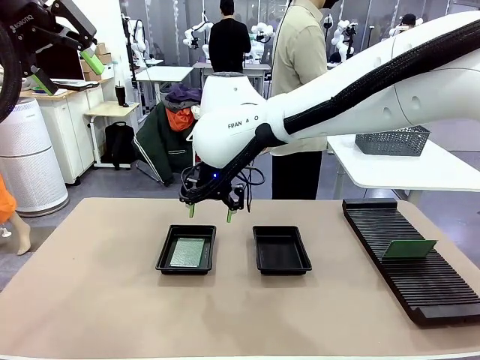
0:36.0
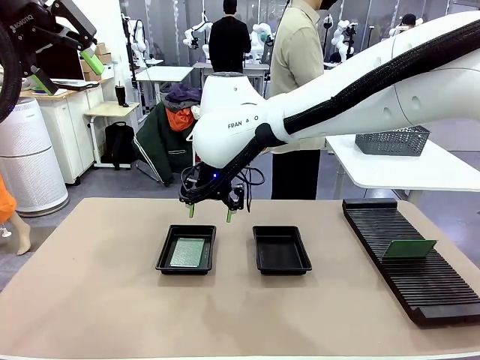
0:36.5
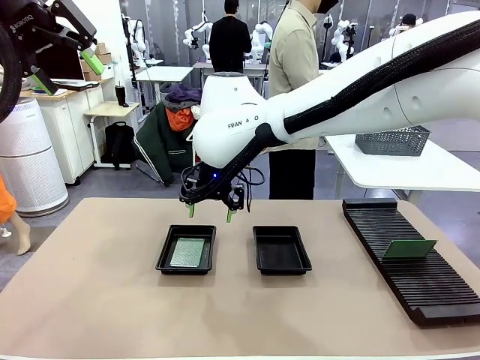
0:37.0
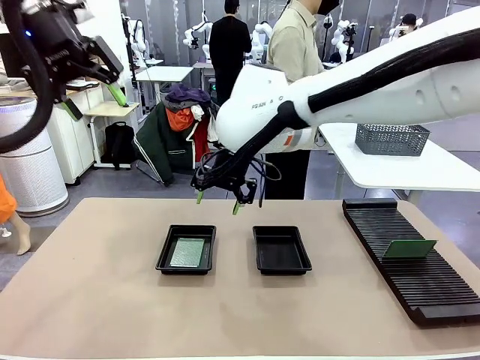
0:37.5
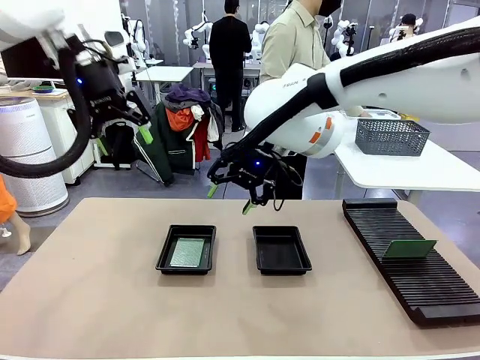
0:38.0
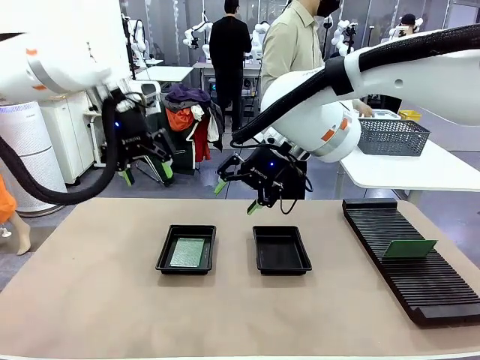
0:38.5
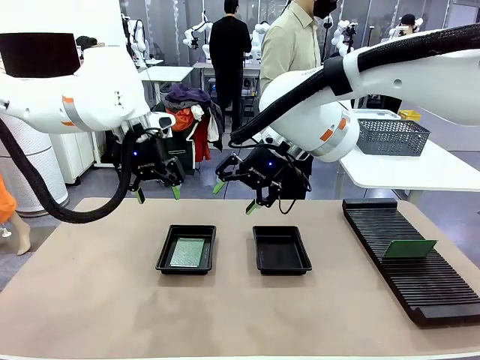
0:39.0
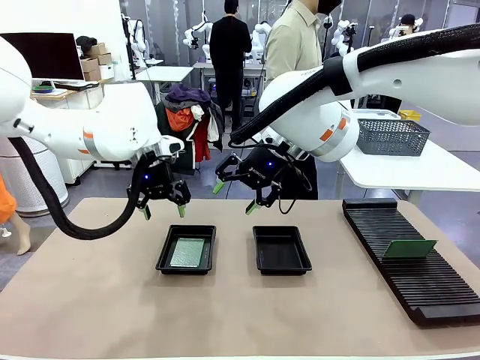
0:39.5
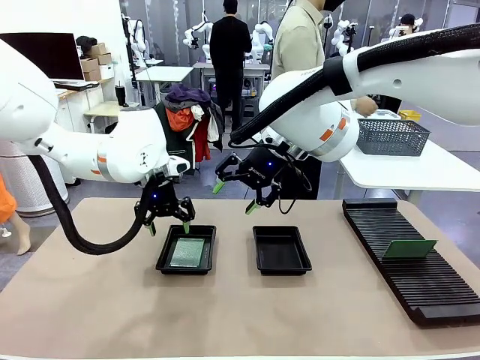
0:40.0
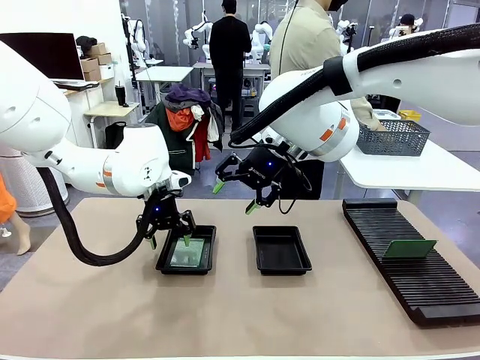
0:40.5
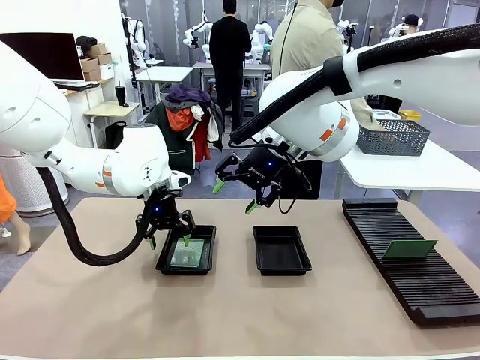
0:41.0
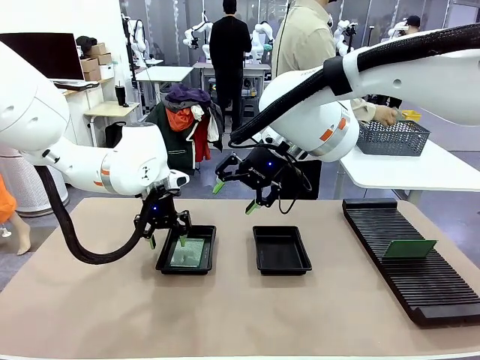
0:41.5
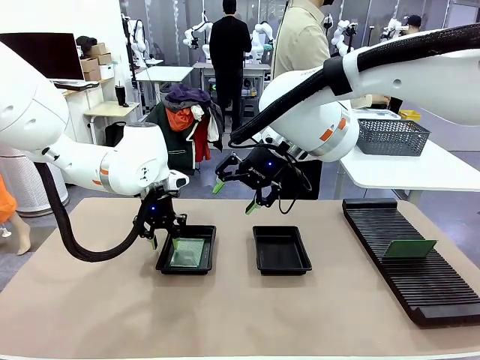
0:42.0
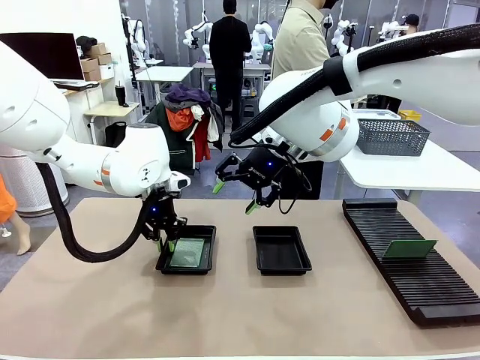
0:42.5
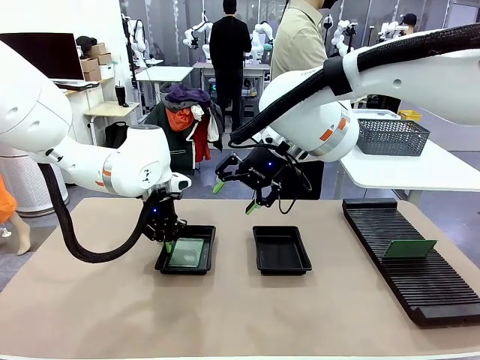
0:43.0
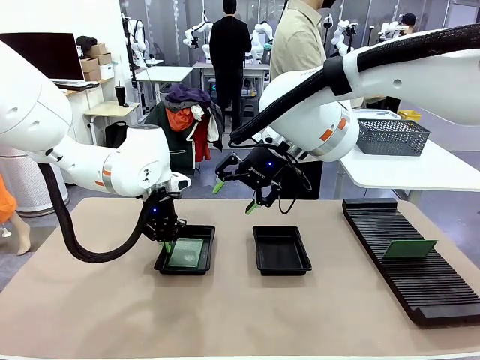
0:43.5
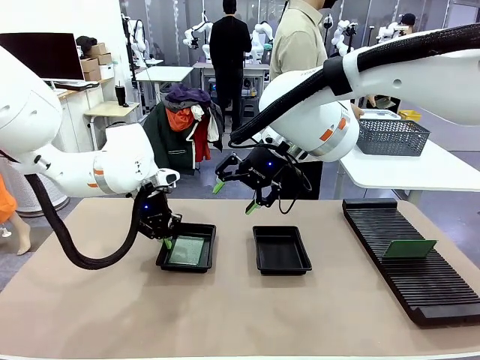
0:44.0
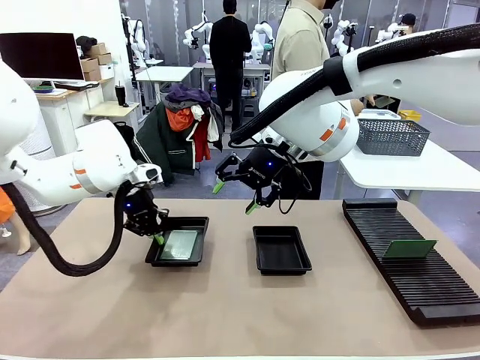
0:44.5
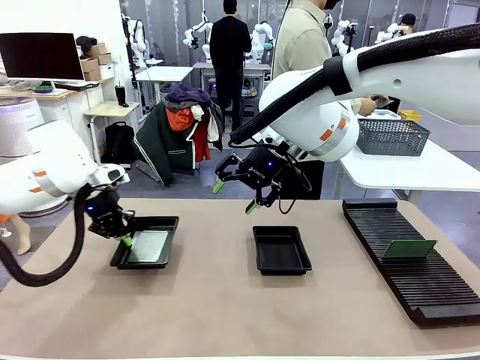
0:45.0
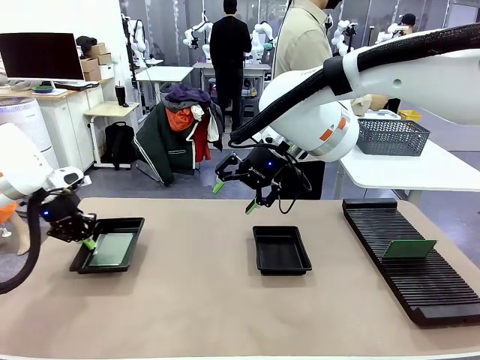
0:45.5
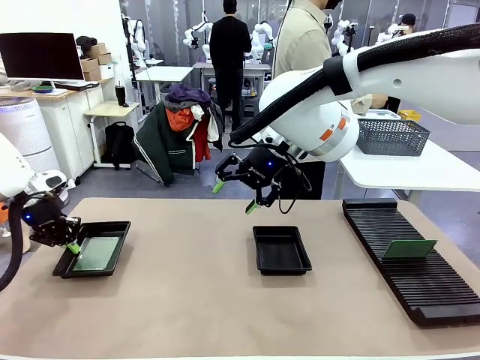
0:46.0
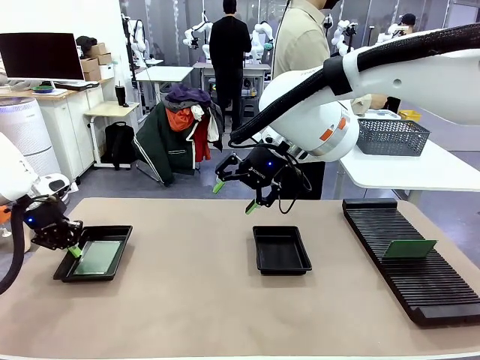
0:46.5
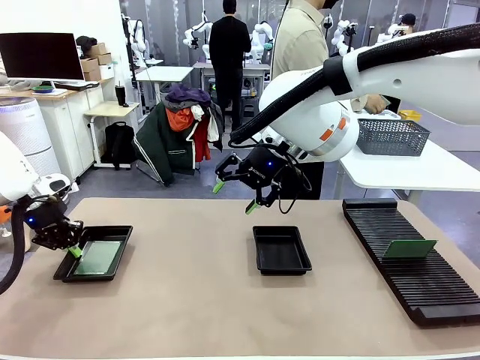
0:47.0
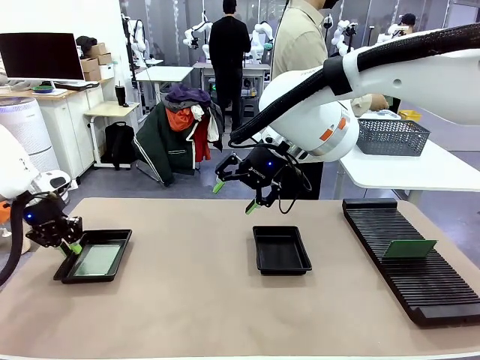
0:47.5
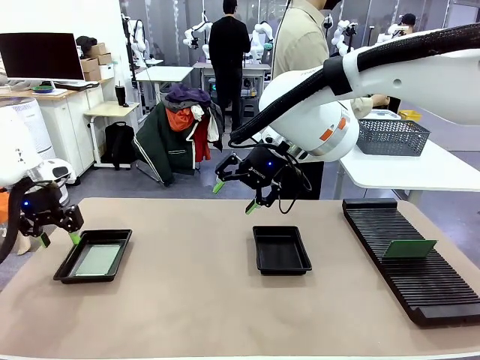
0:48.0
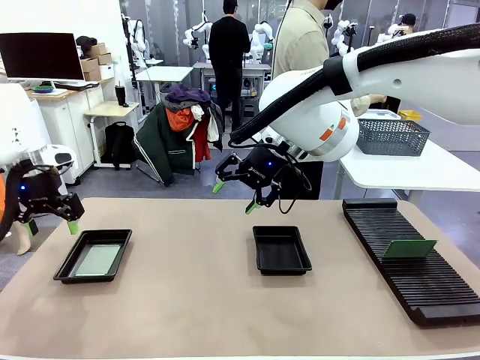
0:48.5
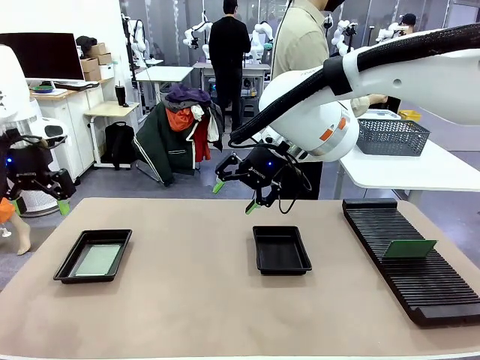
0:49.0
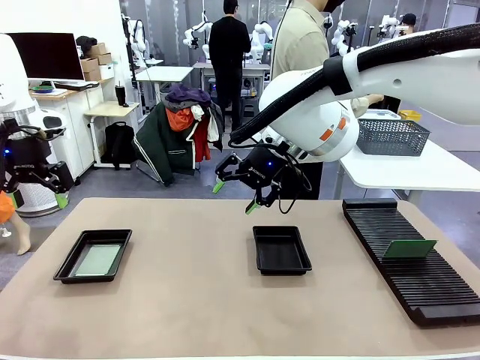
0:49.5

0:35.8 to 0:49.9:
Task: Inspect and transfer BCBs to ESD trays.
Robot: Pick up the ESD tray and place it on the left side of the table.

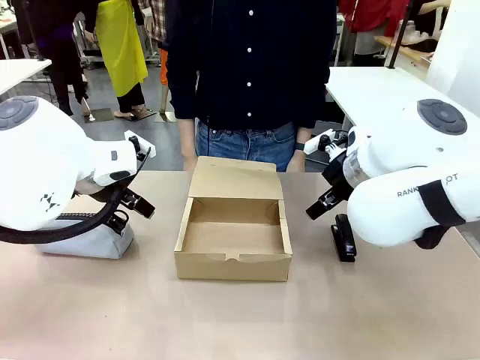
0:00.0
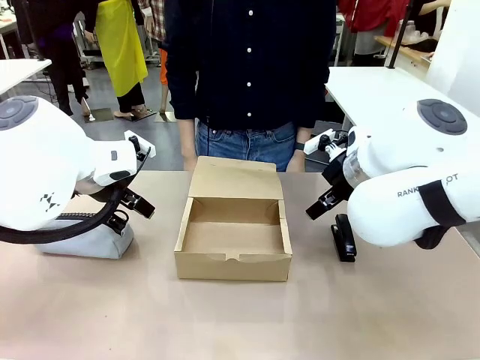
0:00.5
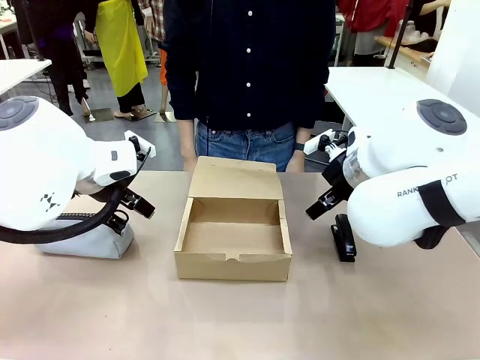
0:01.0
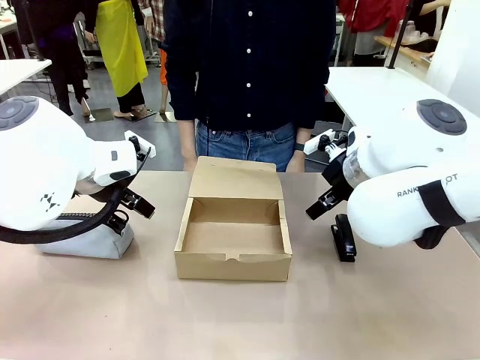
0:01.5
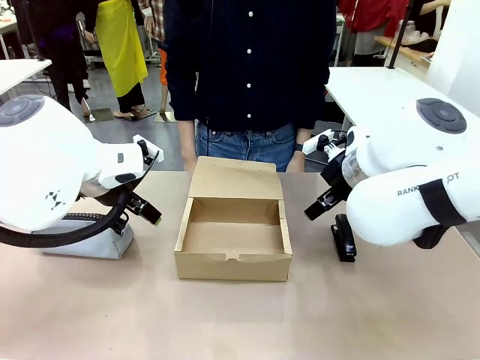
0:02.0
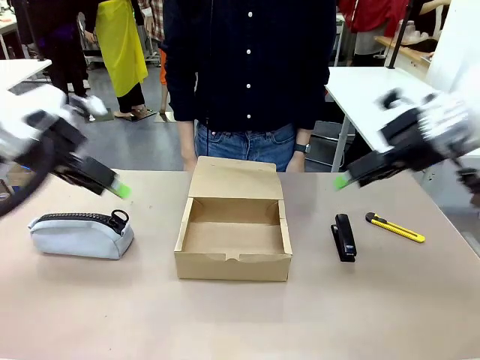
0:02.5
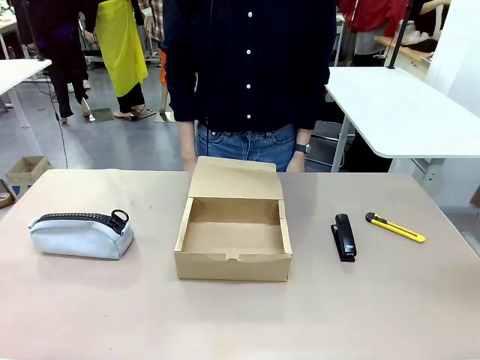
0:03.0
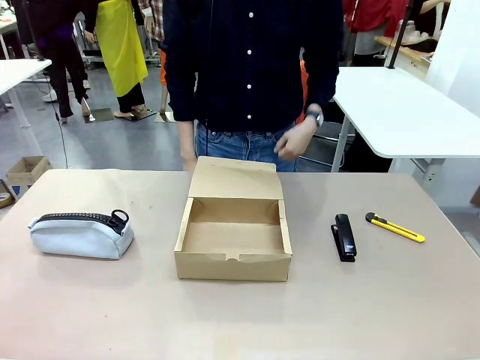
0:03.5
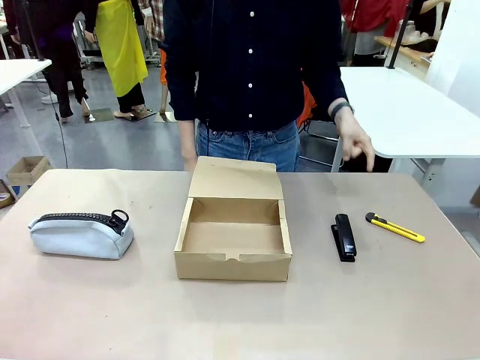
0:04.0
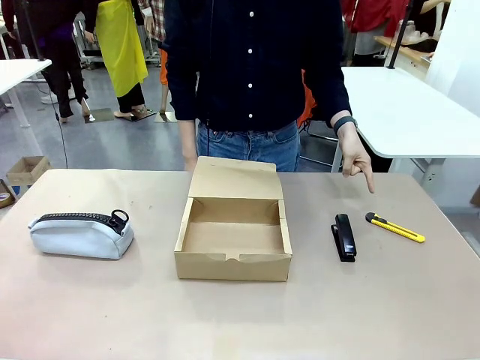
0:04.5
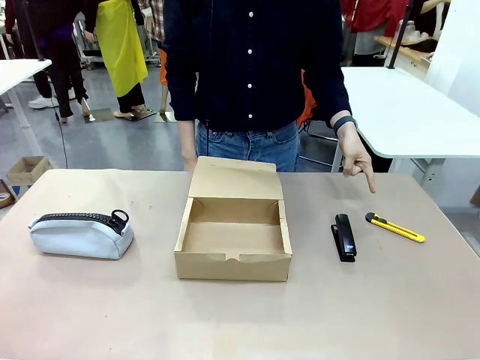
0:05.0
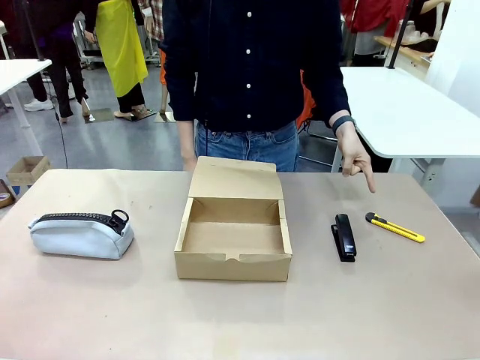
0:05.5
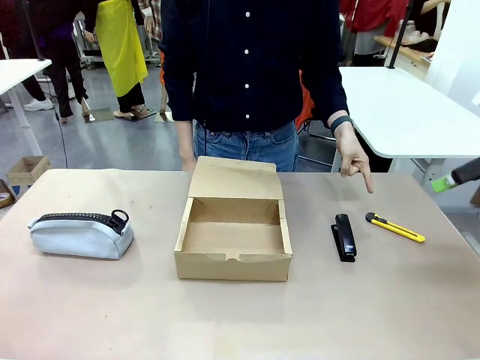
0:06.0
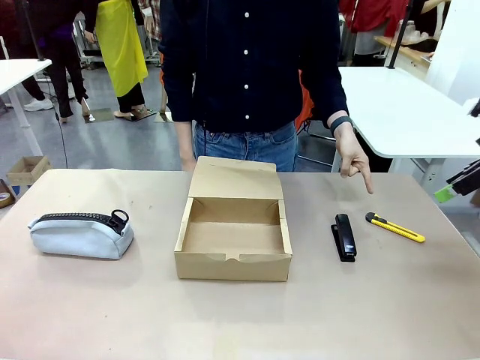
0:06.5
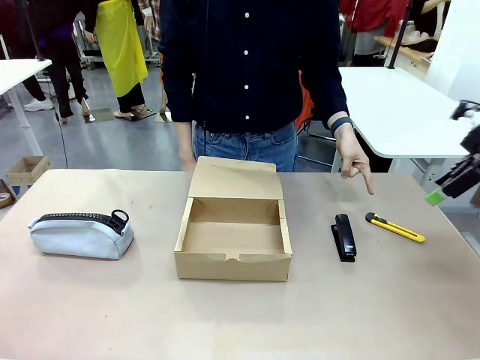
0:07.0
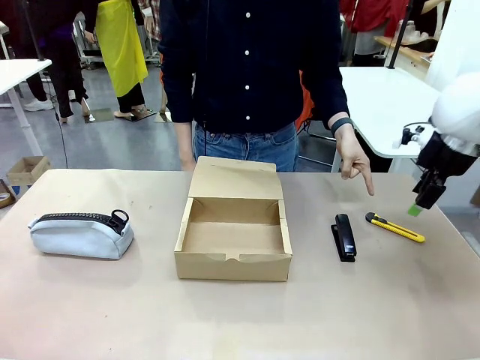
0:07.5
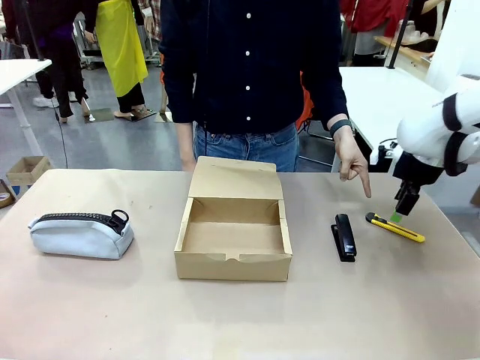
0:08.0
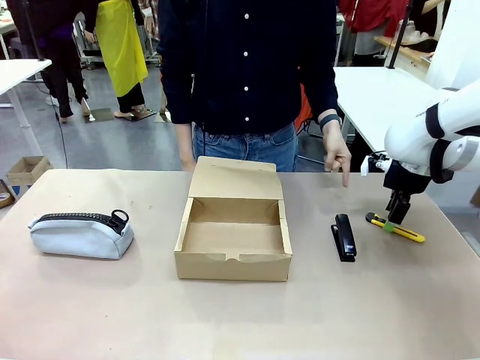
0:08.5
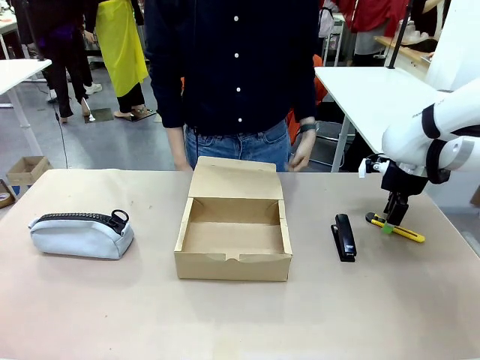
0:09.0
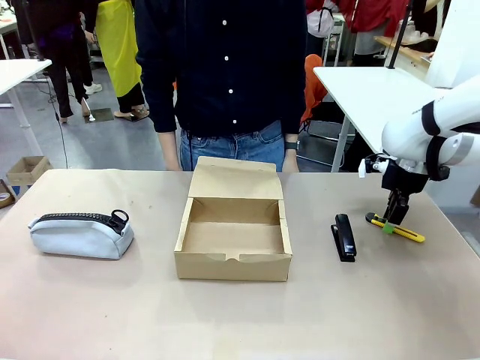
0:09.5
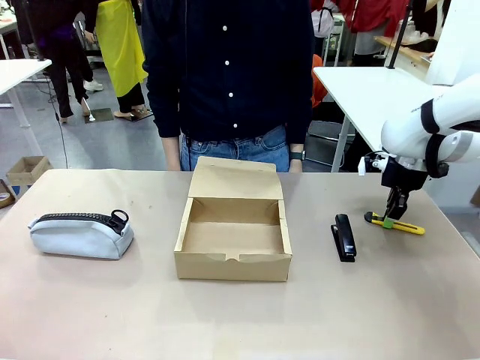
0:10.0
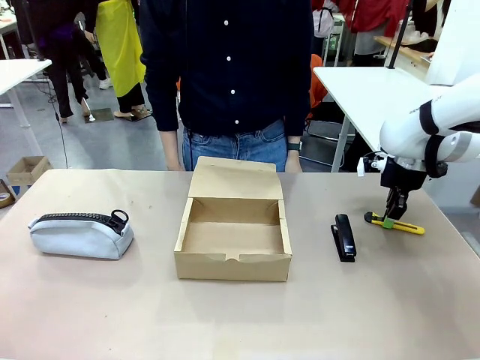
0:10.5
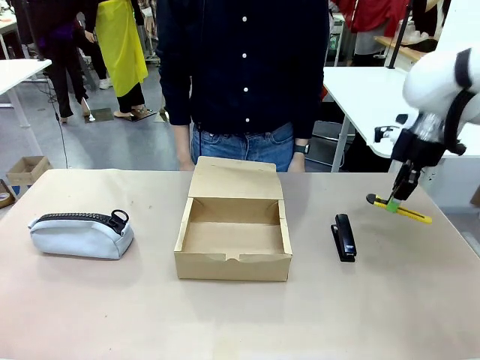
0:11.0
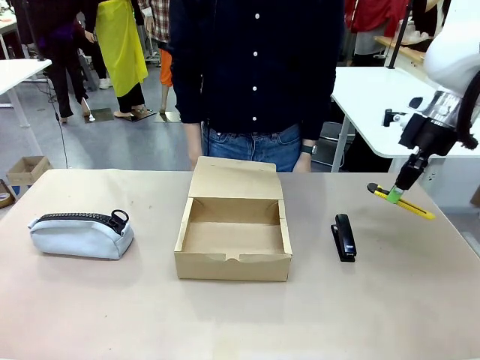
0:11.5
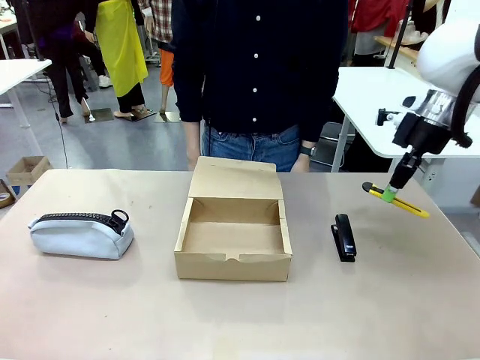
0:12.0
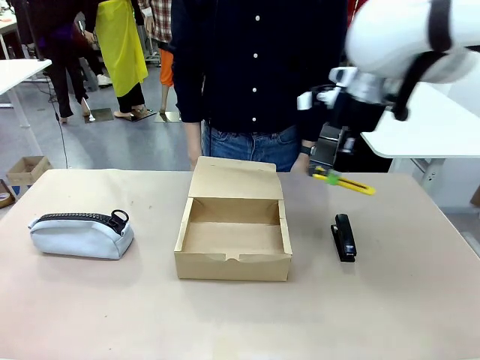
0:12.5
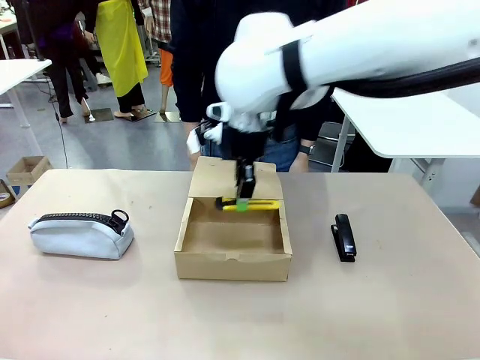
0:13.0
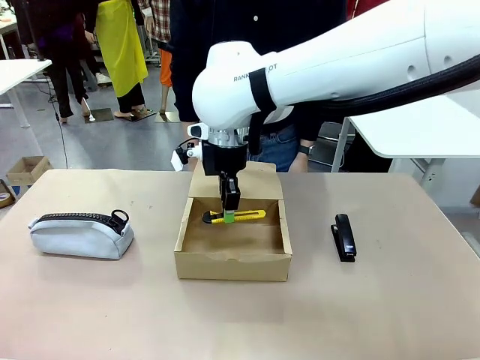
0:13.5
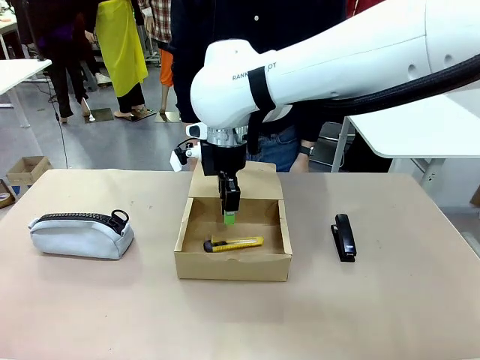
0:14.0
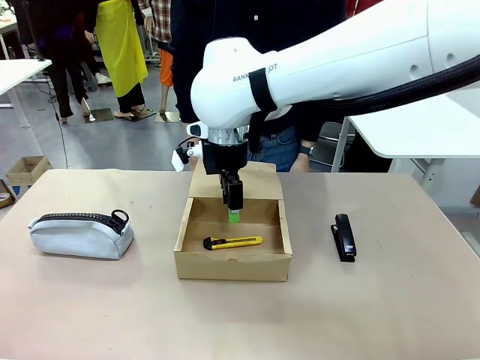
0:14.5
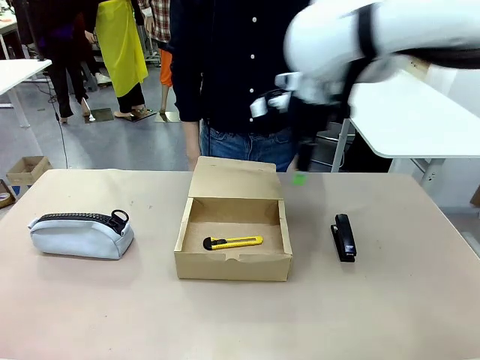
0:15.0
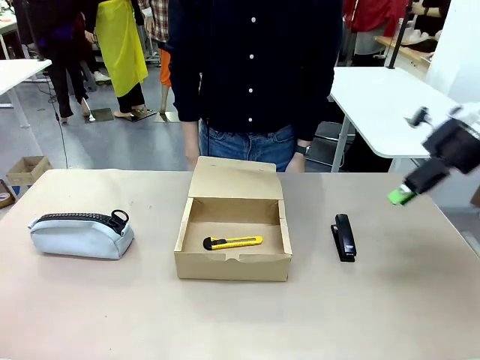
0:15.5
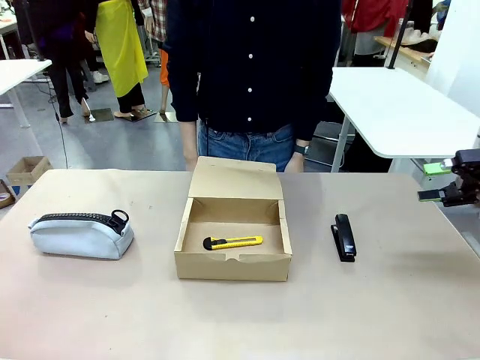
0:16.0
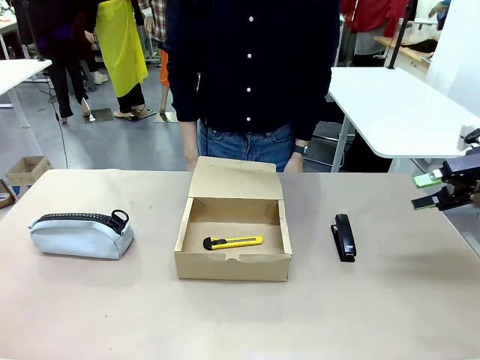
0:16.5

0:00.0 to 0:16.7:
Task: Pack the item into the box.
Robot: Pick up the item indicated by the person and place it inside the Mailer Box.
Person: Point at one item on the table (excluding the box). Lower both hands vertically with palms facing downward, as if pressing something closed.
